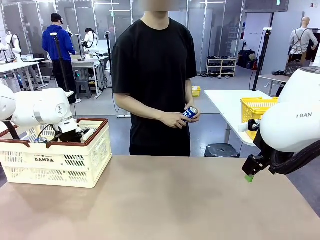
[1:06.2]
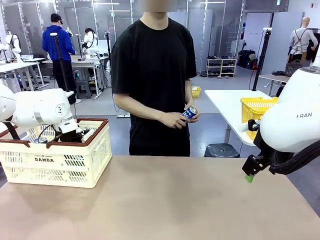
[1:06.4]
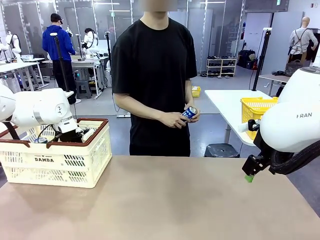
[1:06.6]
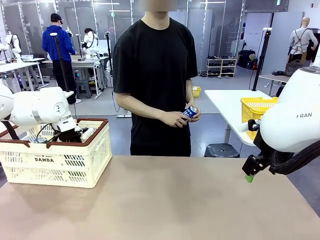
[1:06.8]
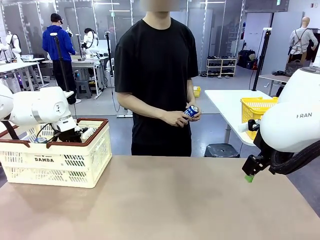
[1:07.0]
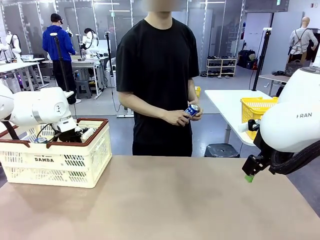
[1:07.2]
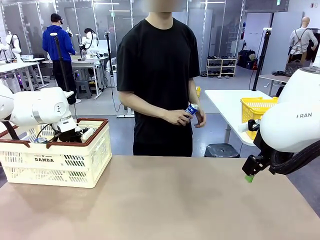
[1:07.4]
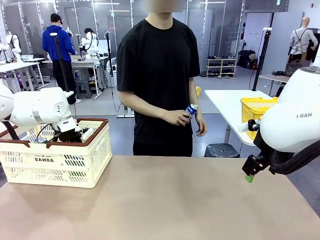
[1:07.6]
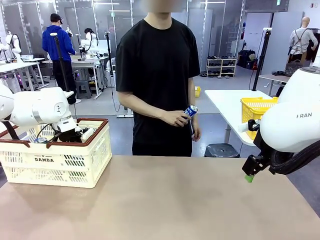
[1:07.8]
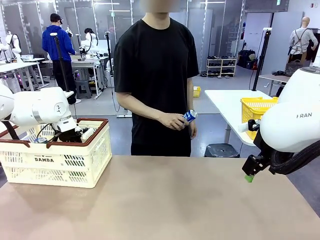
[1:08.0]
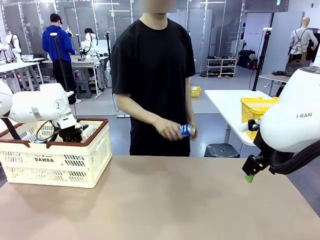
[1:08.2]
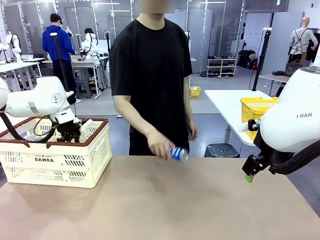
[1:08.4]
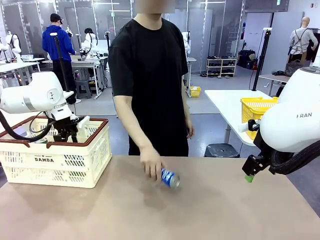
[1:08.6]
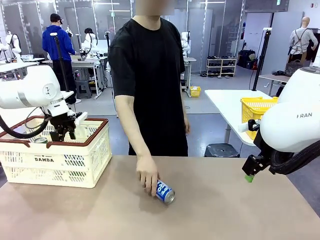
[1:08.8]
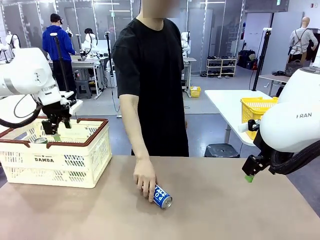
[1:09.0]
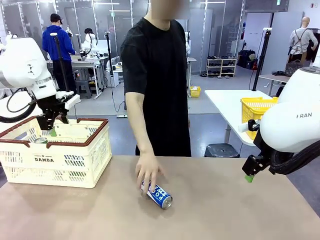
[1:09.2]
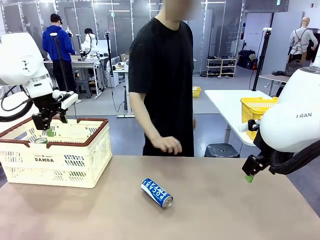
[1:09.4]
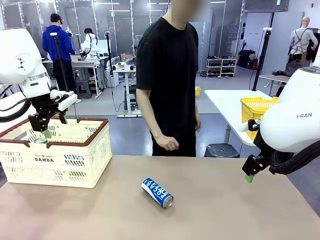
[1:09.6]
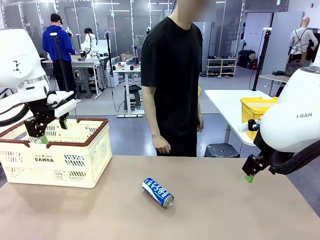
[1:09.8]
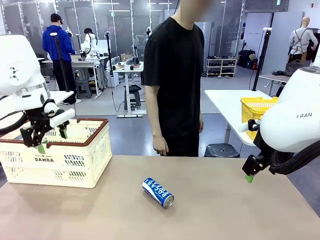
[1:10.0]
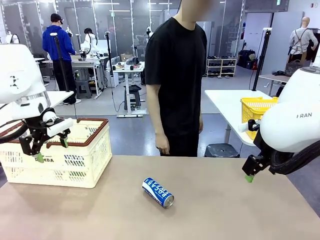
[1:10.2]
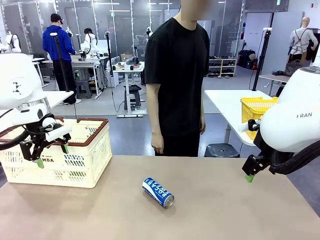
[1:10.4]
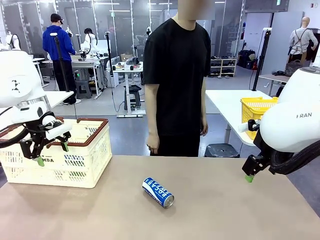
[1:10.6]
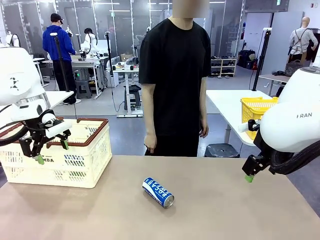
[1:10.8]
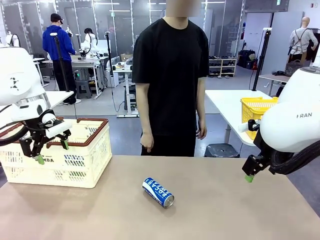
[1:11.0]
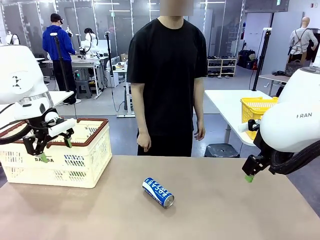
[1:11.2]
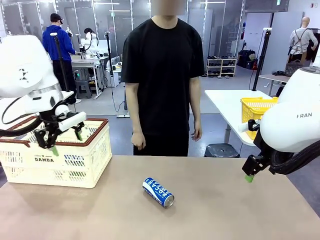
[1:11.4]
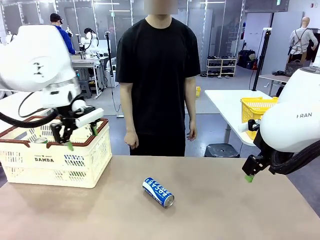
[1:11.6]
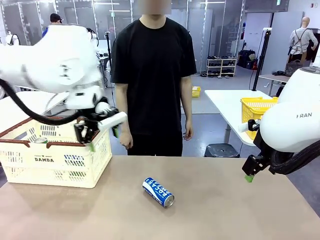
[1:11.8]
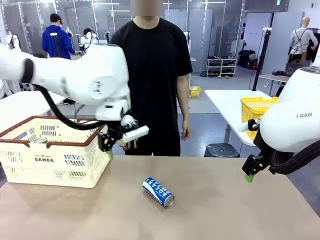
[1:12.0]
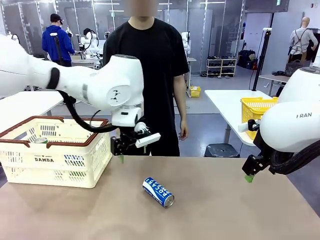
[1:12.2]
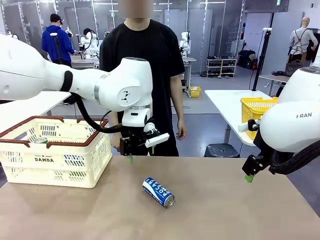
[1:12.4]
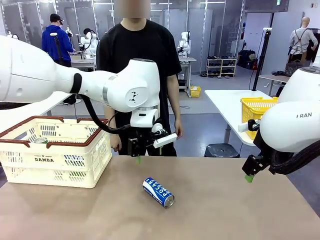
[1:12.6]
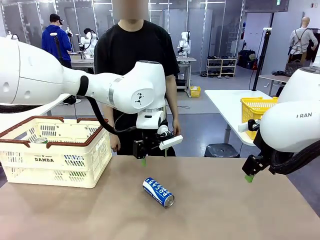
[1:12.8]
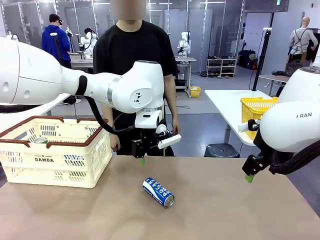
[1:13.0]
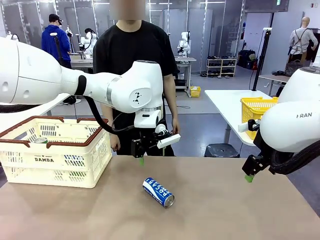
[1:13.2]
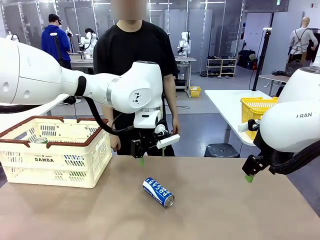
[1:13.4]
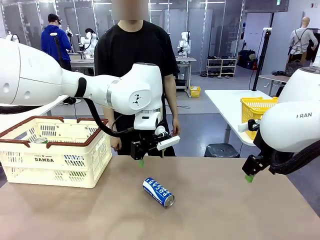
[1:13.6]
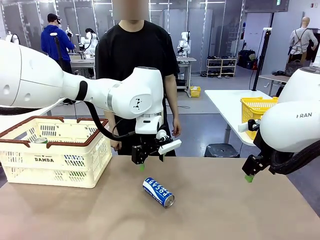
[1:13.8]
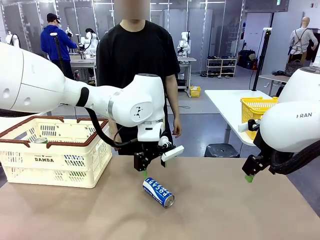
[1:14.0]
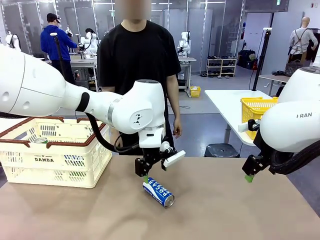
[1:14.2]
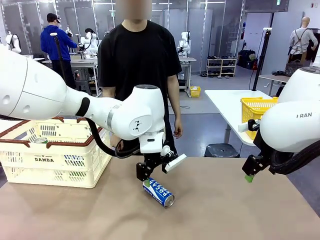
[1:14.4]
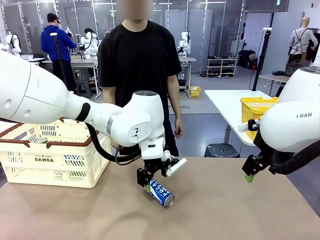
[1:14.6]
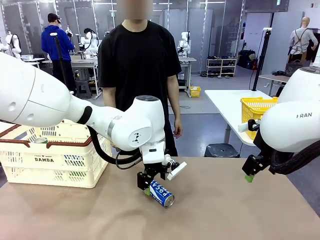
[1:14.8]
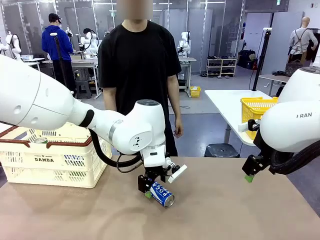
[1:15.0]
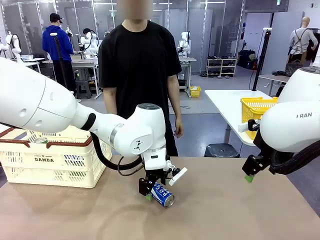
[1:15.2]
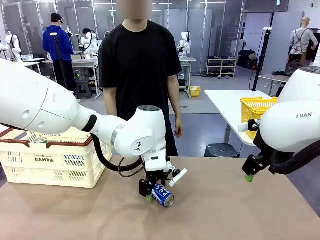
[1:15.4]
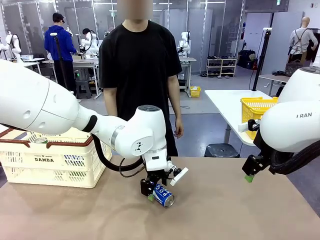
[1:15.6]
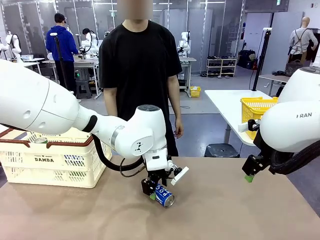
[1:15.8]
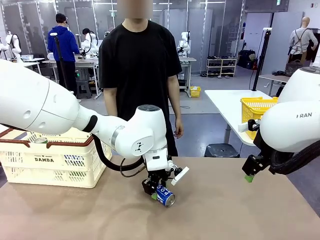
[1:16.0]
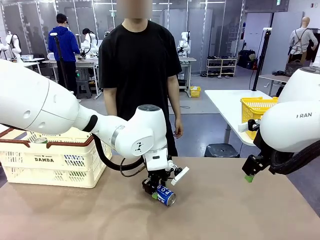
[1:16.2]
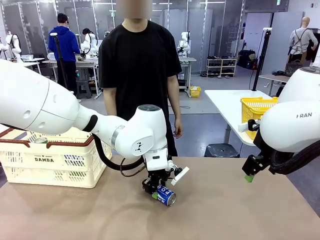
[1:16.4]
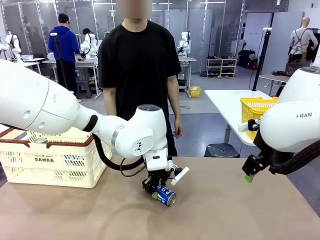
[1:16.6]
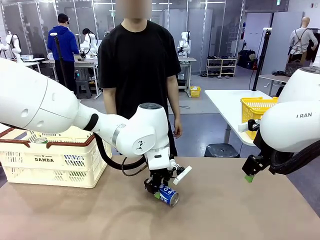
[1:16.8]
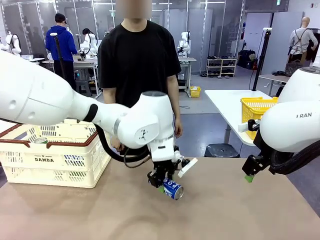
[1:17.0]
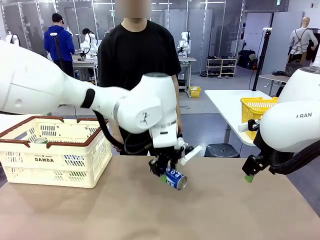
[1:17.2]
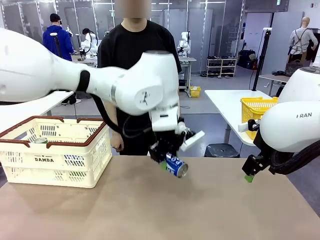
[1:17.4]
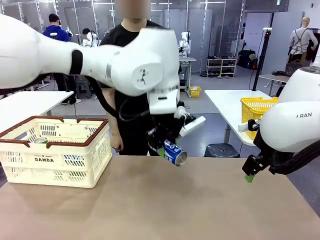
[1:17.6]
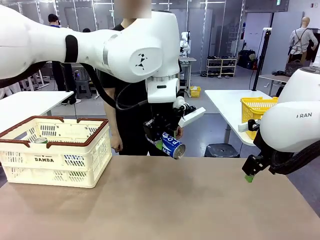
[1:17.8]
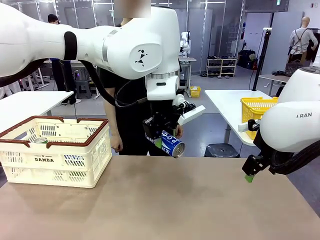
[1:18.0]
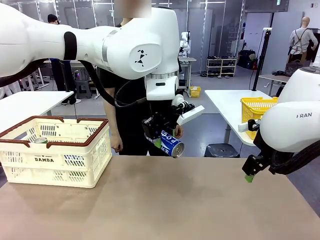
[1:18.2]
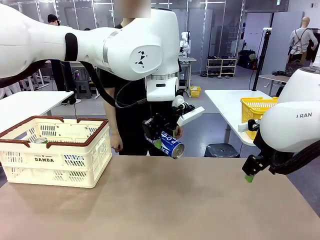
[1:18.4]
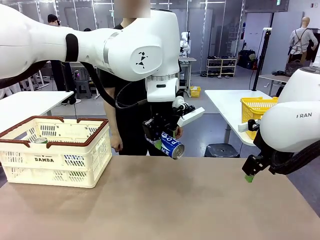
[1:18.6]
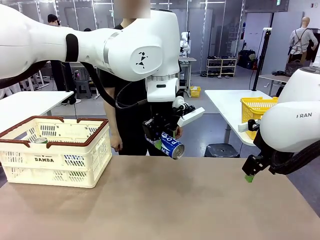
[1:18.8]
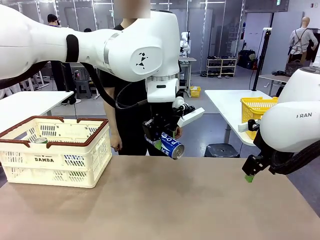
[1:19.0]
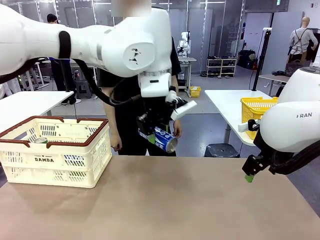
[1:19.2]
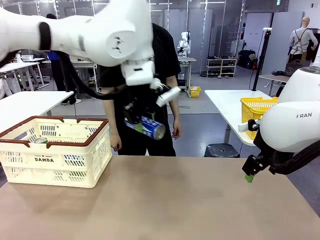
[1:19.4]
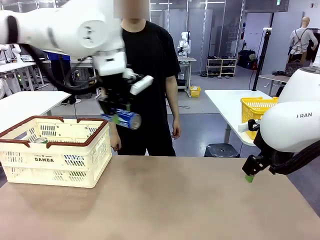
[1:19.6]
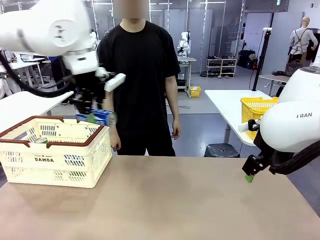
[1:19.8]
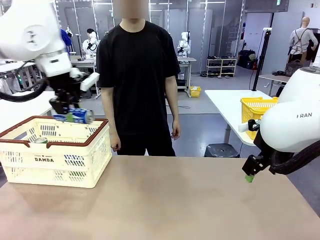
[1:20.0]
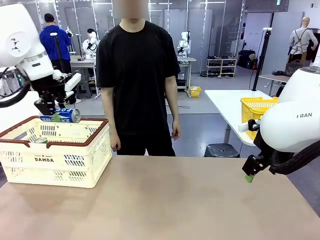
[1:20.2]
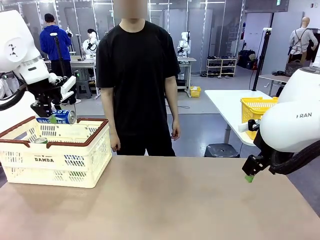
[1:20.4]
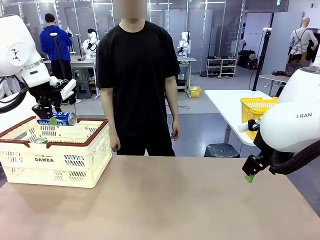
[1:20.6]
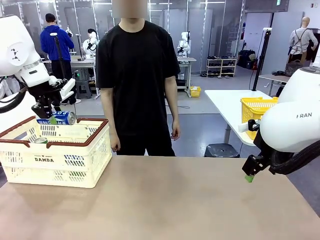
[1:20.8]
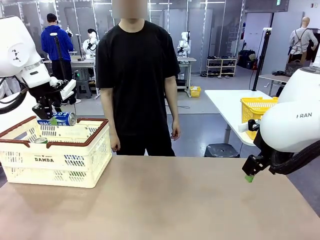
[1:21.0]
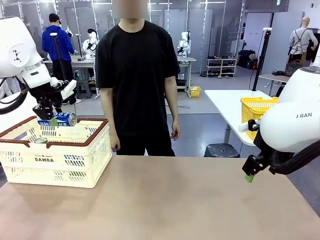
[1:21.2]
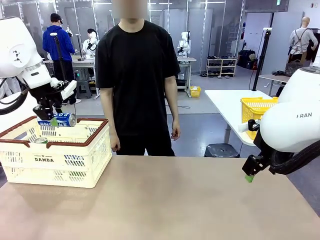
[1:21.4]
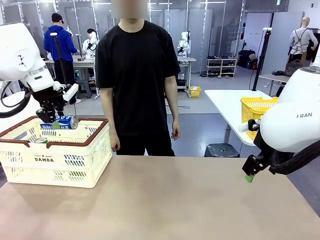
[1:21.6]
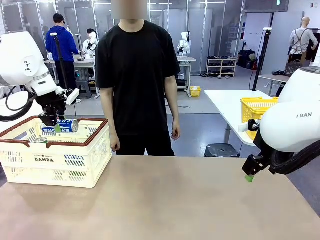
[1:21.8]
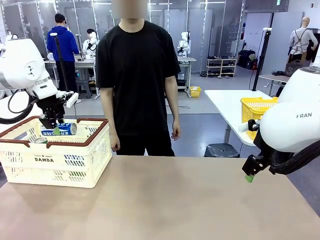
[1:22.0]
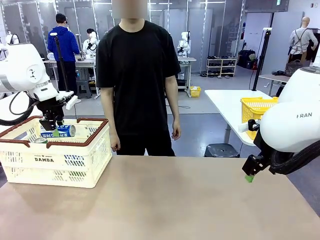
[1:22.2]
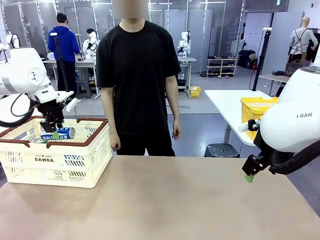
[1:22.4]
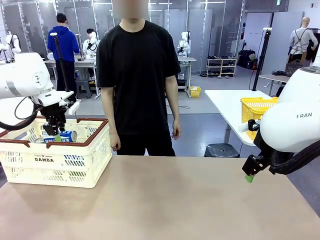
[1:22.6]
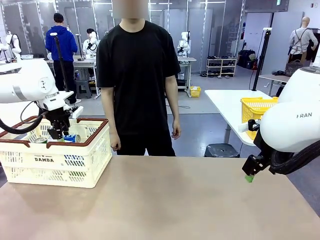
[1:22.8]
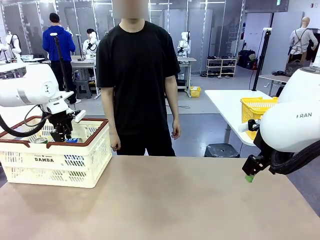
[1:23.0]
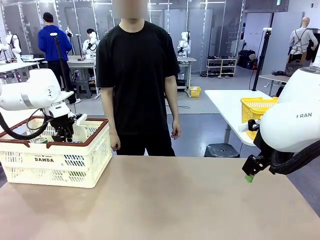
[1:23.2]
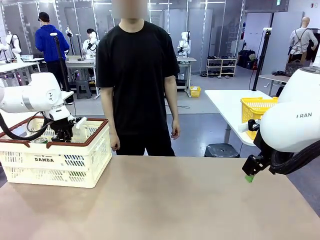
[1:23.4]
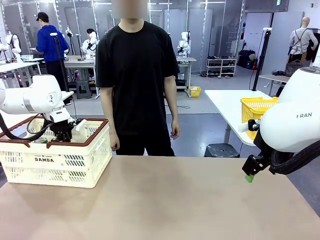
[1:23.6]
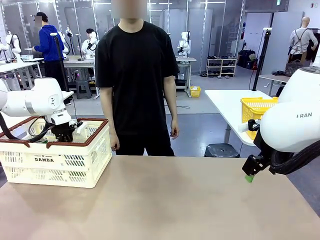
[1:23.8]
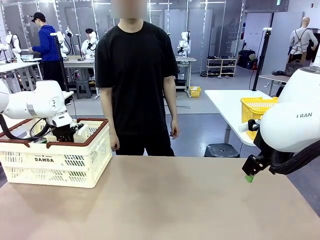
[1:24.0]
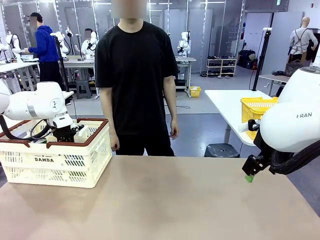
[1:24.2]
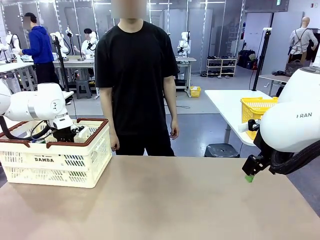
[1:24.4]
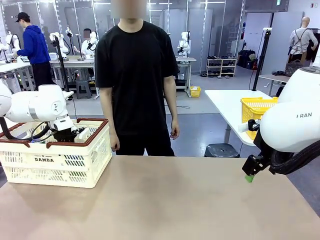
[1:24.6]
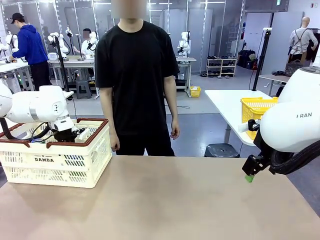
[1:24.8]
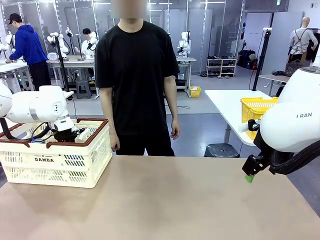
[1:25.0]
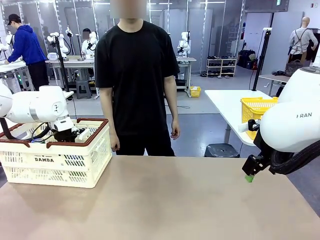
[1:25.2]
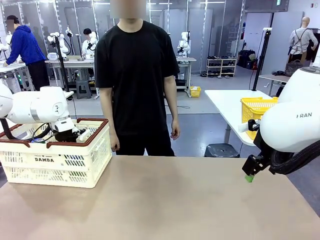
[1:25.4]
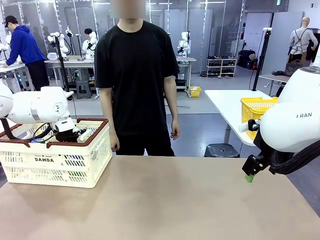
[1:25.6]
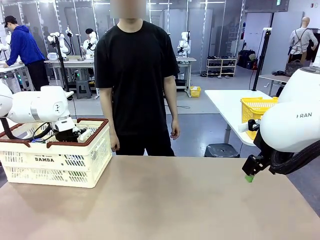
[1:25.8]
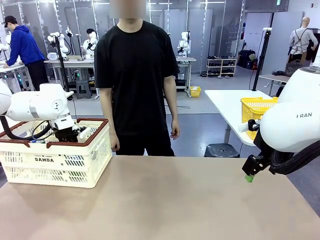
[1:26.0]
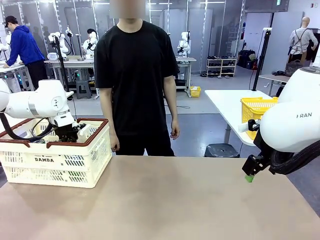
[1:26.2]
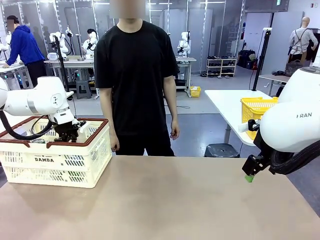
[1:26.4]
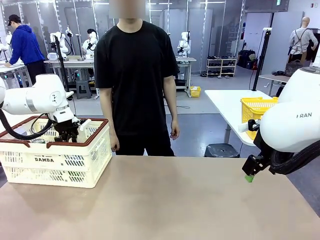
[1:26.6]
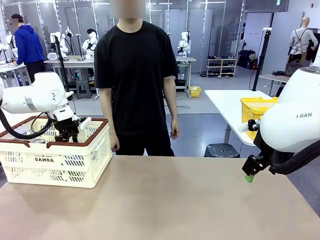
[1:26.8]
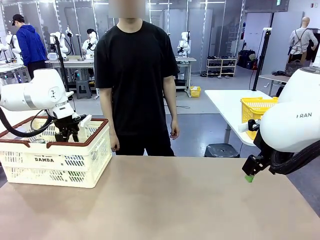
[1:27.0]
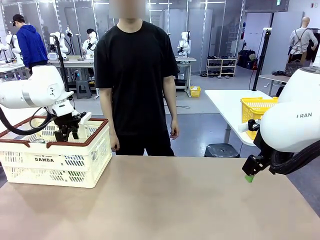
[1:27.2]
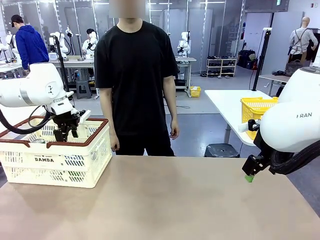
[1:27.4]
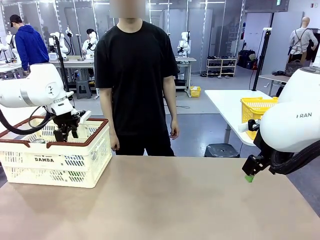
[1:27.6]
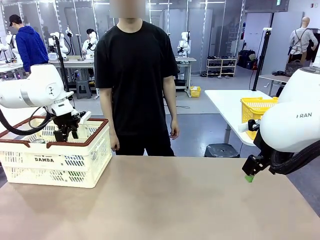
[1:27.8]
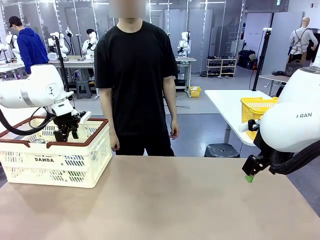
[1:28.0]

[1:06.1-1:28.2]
Task: Place the drinks into the Shopping basket.
Robot: Pick up one drink and place it into the Shopping basket.
